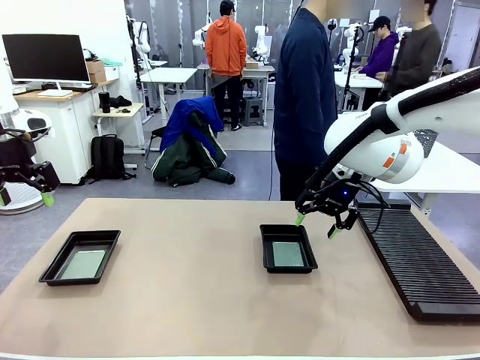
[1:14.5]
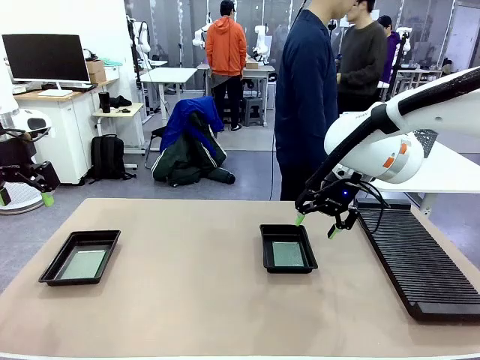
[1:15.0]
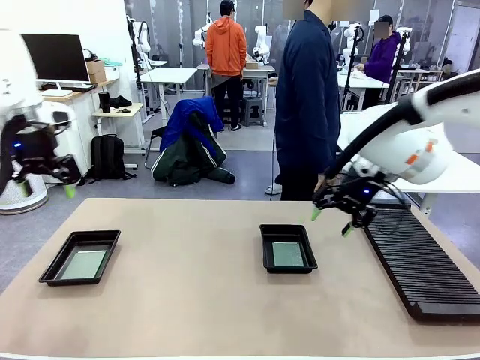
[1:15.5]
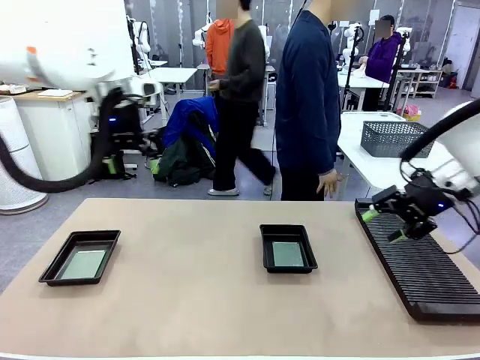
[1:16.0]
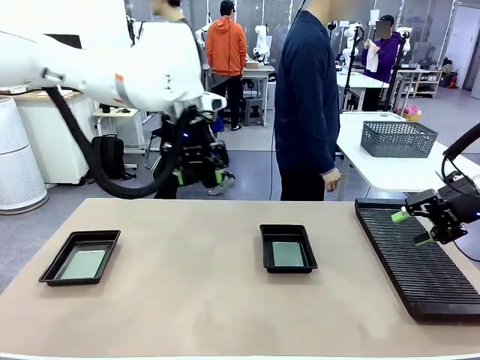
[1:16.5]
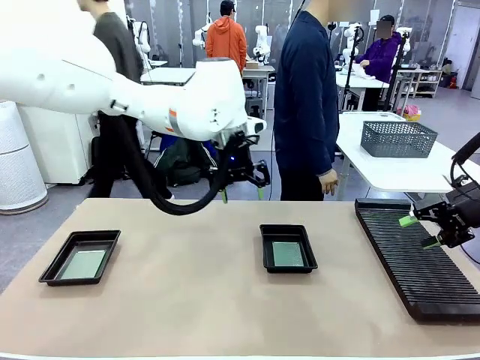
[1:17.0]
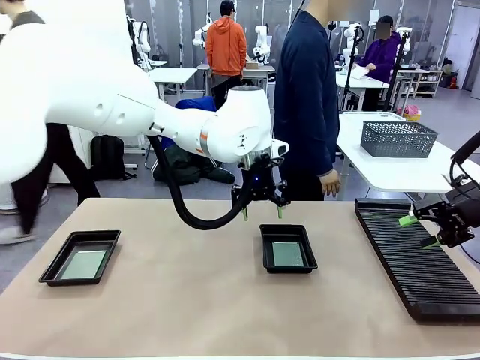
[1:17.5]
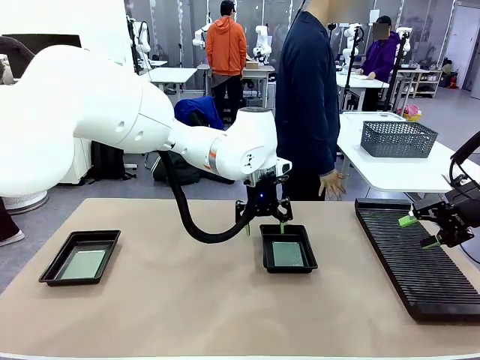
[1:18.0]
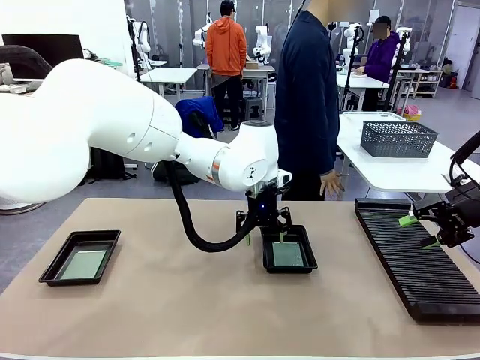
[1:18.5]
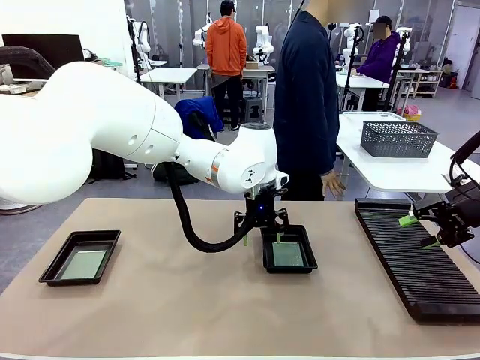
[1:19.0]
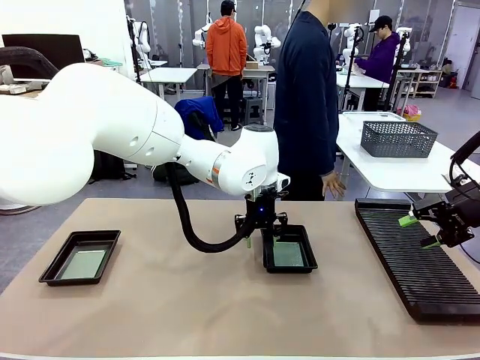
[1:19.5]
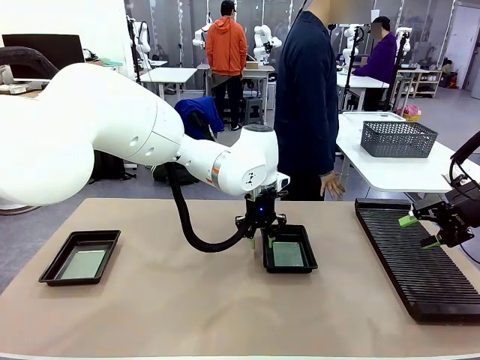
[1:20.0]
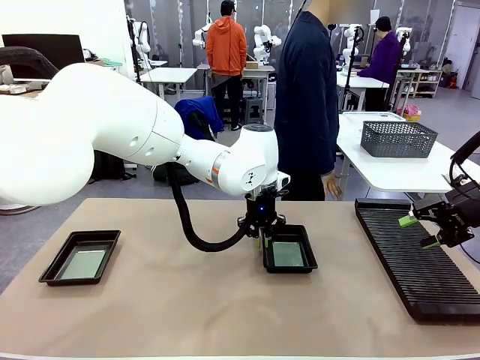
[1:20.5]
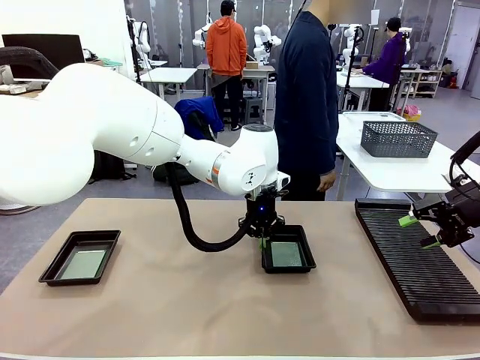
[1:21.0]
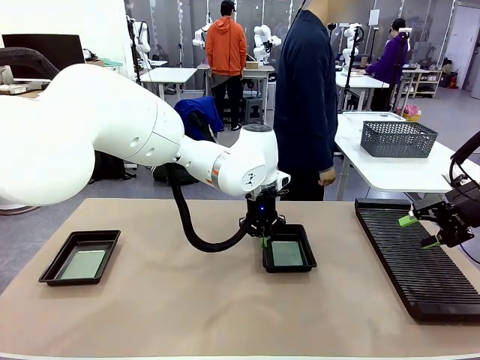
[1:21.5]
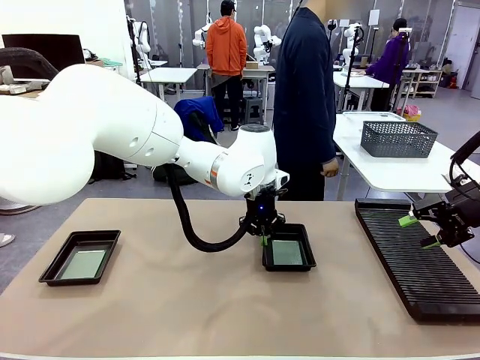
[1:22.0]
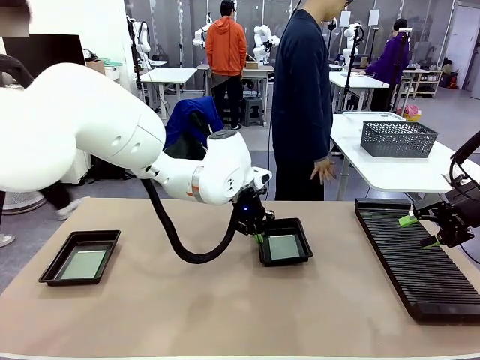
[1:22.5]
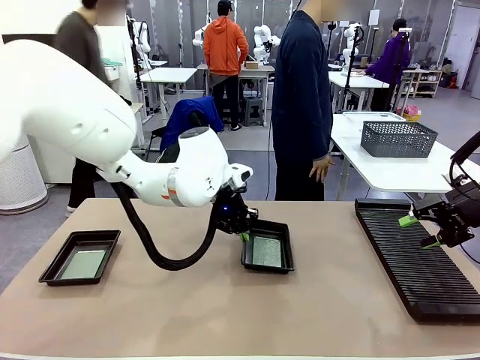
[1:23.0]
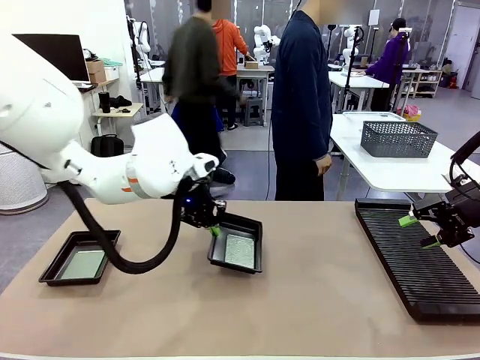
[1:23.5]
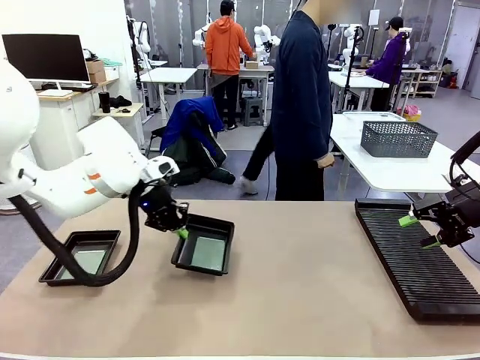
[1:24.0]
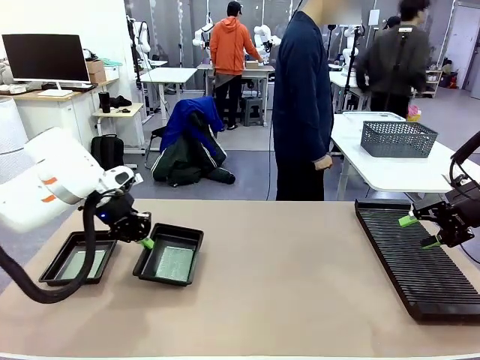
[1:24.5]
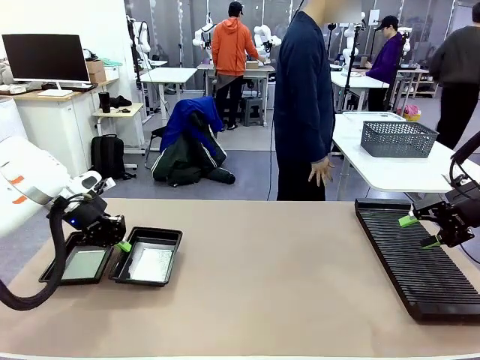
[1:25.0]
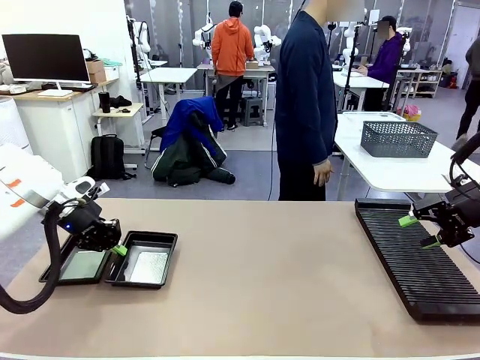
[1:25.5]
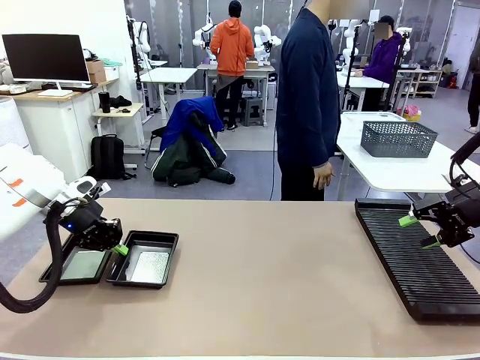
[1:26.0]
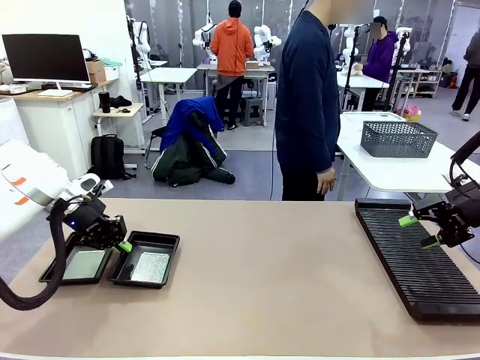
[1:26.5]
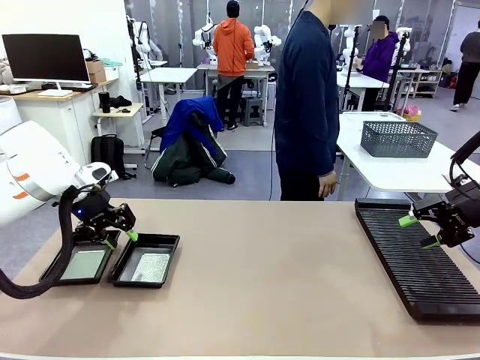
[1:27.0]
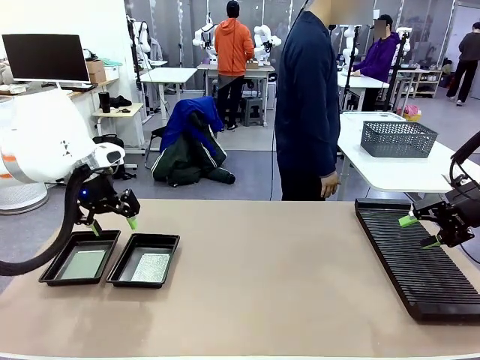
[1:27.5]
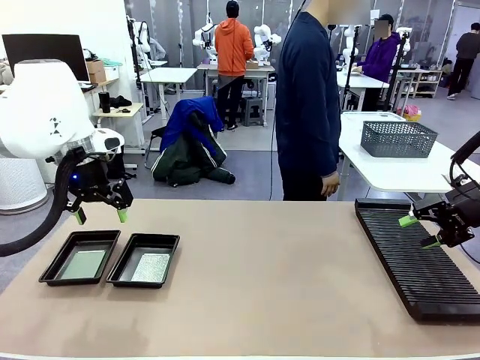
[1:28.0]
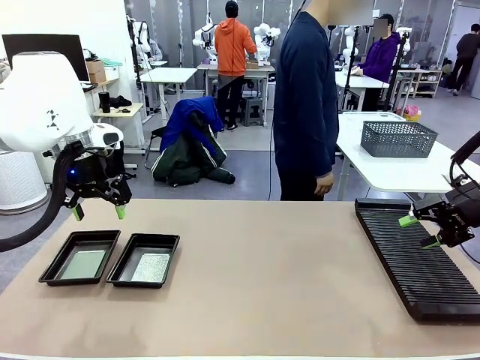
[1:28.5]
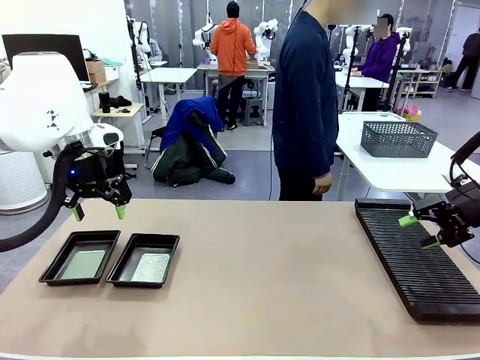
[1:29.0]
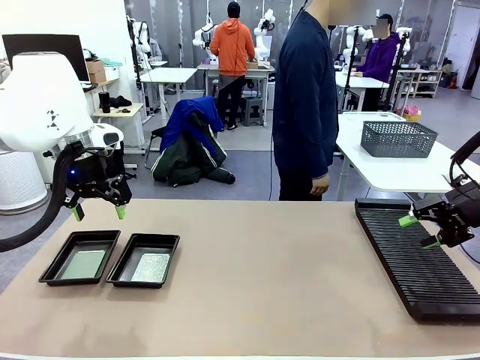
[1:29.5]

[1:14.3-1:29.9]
Task: Inspect and transfer BCBs to ESD trays.
Robot: Pick up the ESD tray and place it on the left side of the table.

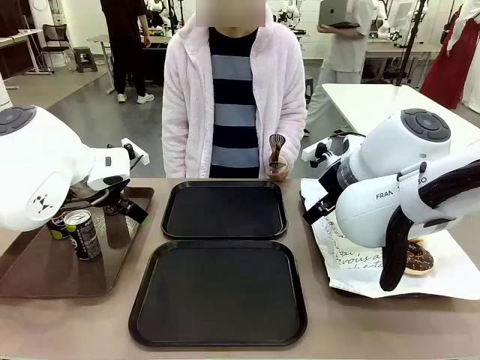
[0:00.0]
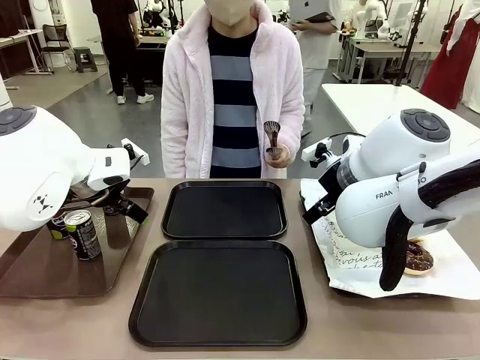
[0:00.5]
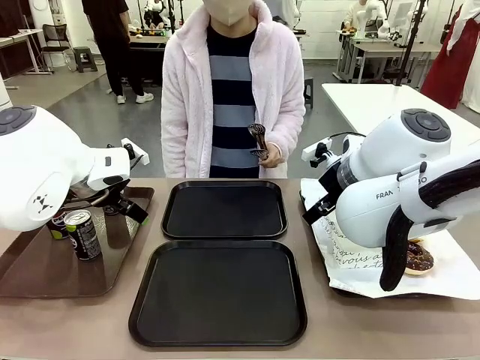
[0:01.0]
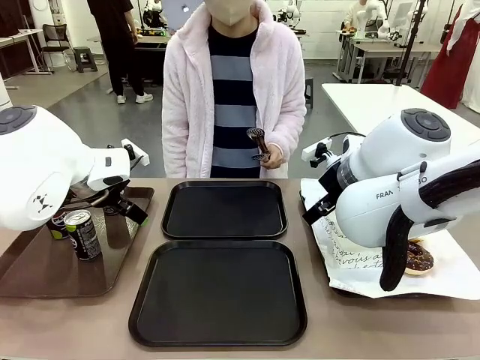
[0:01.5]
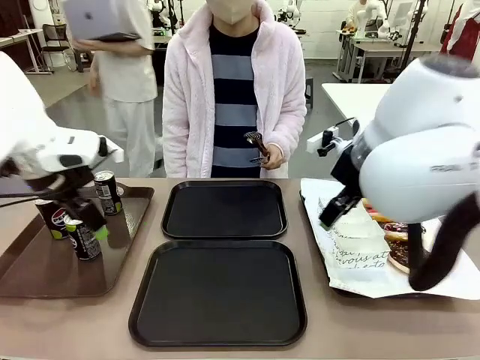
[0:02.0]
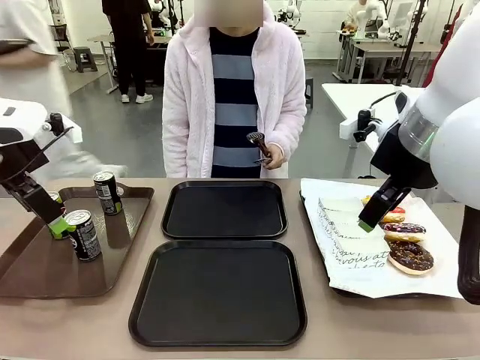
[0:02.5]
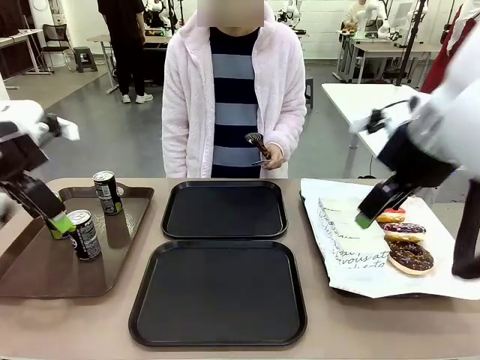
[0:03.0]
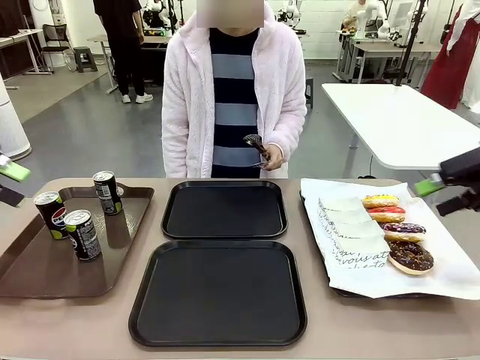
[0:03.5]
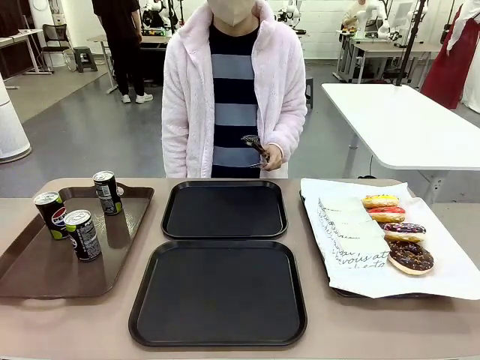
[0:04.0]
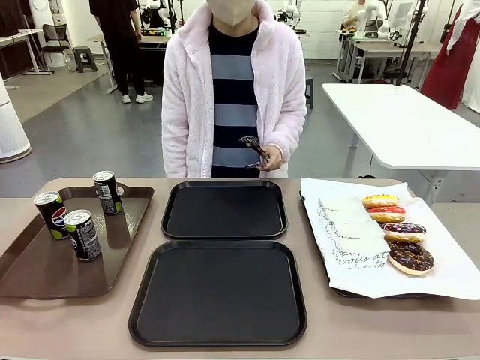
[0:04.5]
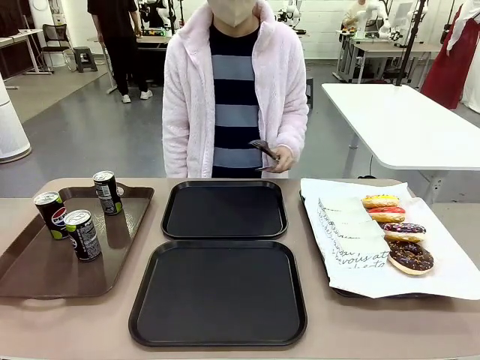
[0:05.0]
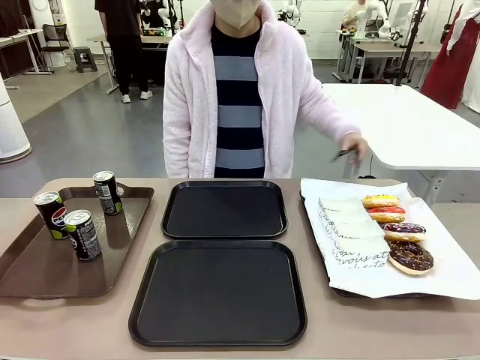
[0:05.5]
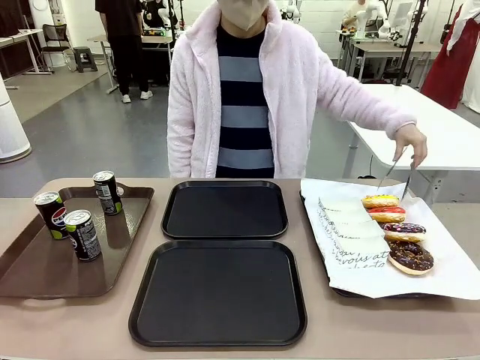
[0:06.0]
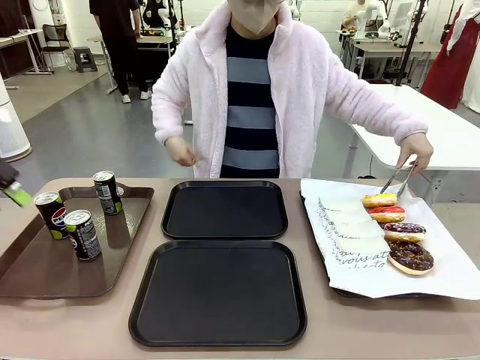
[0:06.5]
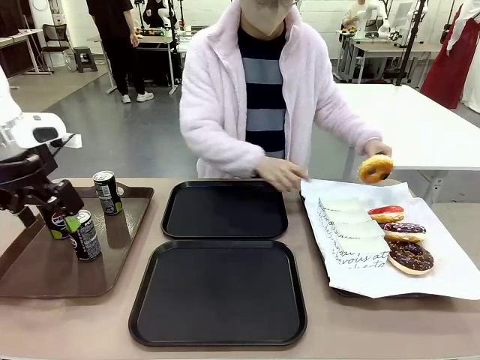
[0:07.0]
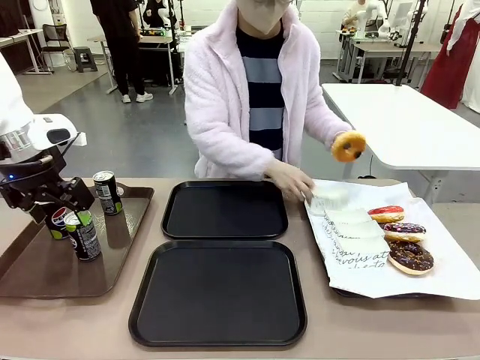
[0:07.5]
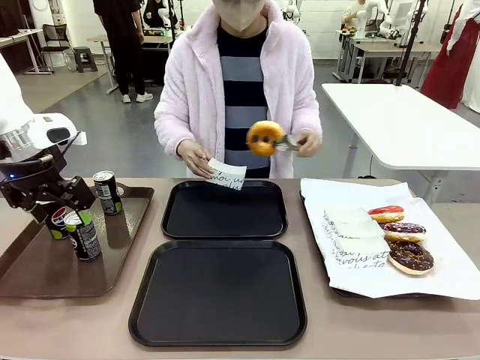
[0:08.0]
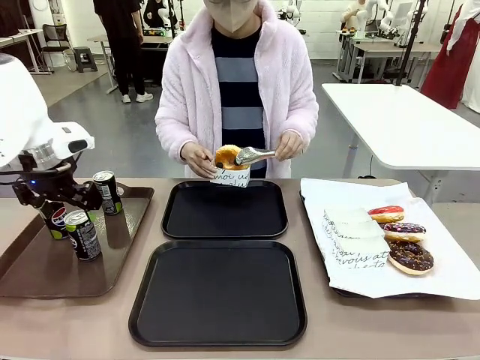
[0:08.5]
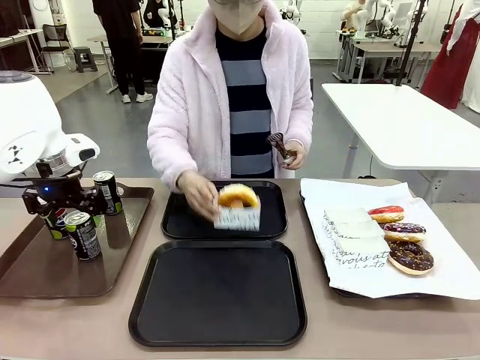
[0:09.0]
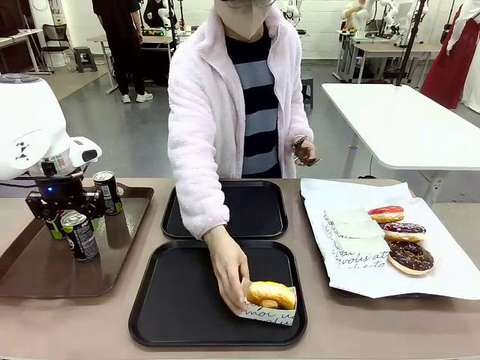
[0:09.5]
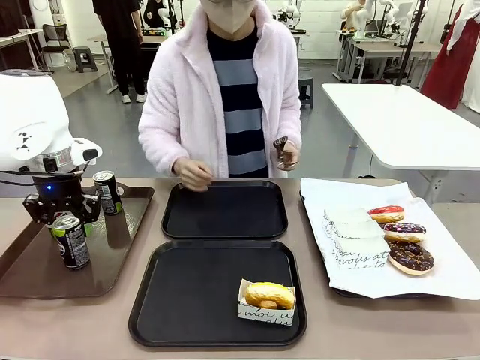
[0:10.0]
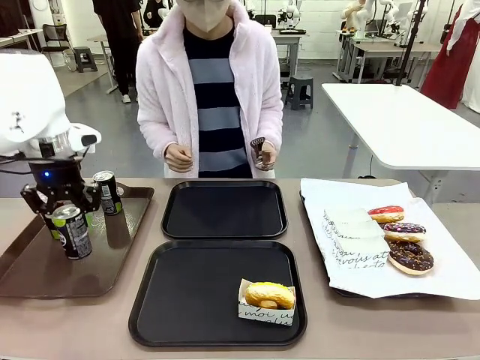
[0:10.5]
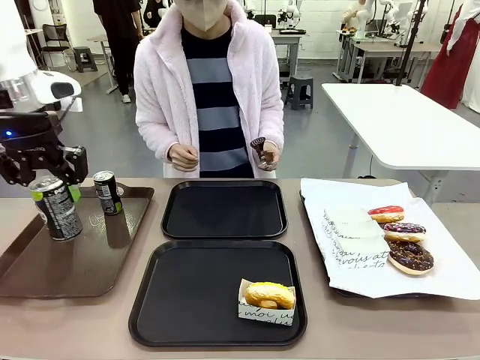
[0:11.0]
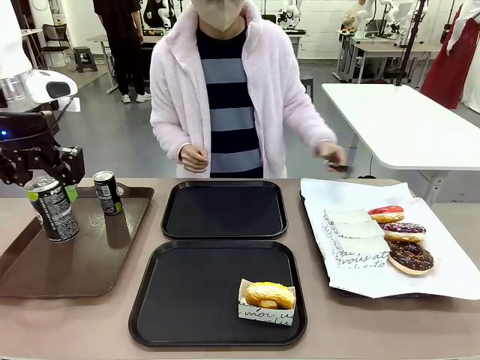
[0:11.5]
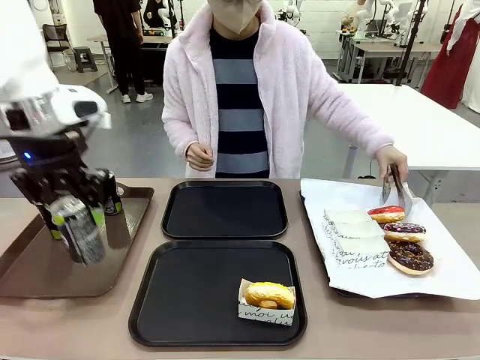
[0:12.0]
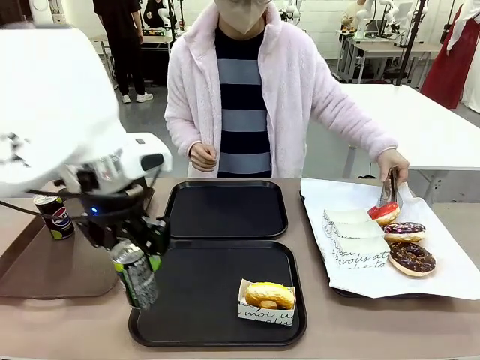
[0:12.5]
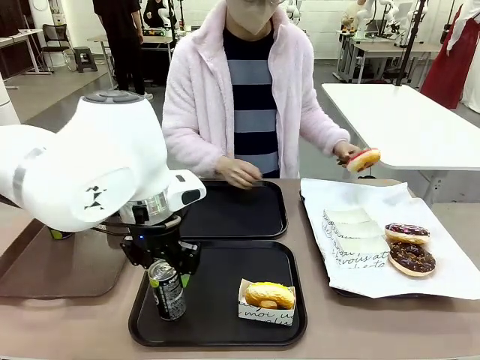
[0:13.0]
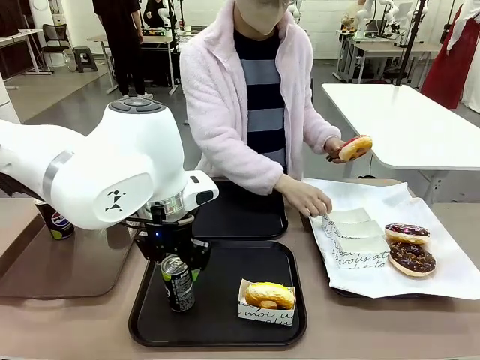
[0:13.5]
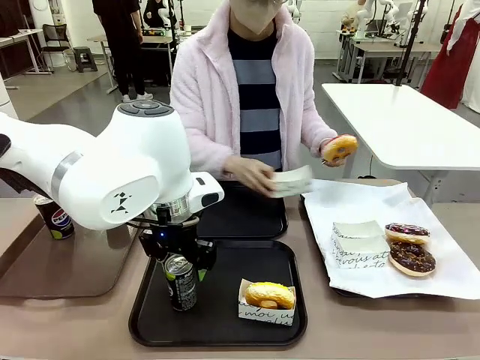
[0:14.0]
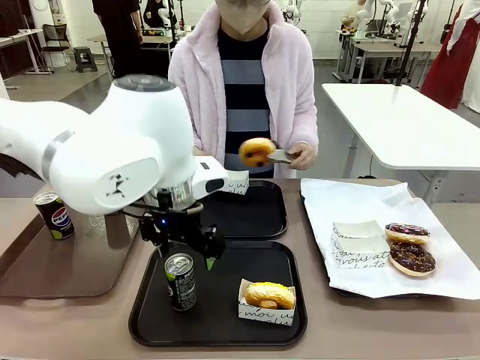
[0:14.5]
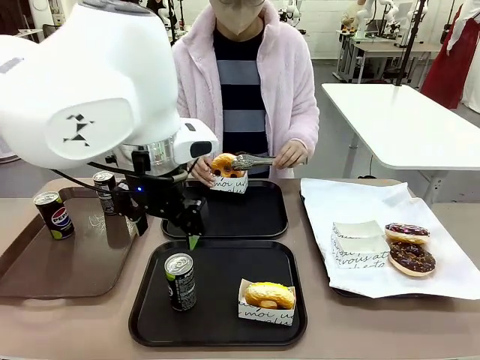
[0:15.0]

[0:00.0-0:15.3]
Task: Set up donuts and drinks on trays.
Robot: Pick up one Pepsi coke and place it on the Flat Tray.
